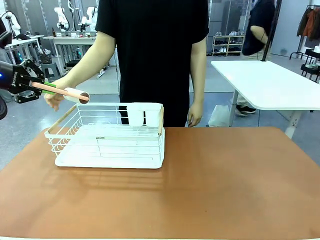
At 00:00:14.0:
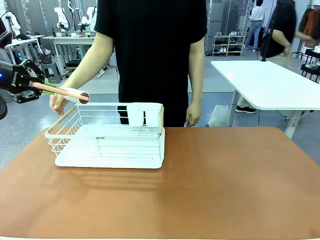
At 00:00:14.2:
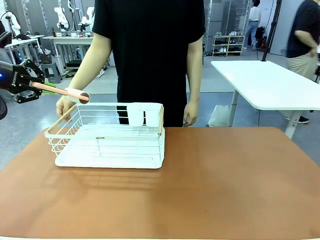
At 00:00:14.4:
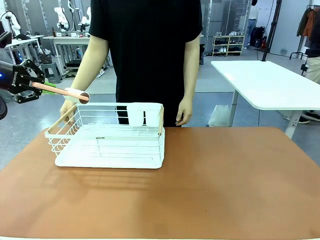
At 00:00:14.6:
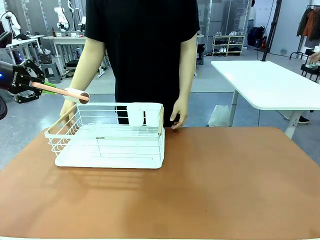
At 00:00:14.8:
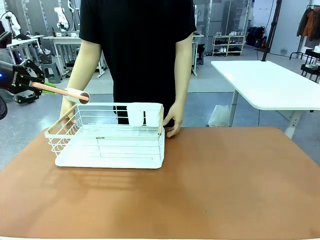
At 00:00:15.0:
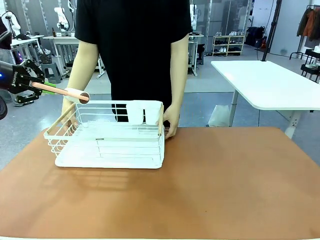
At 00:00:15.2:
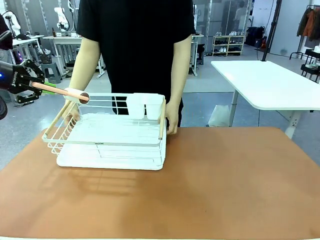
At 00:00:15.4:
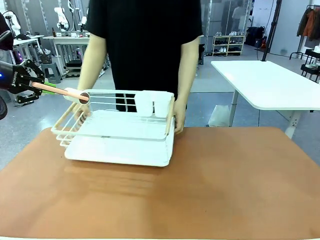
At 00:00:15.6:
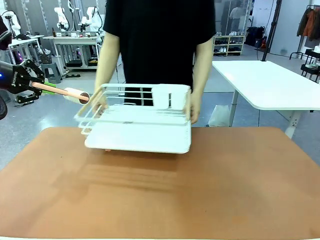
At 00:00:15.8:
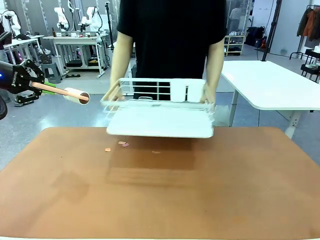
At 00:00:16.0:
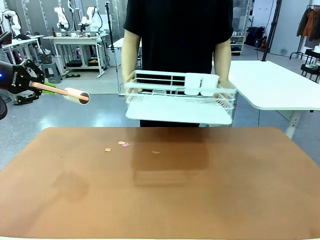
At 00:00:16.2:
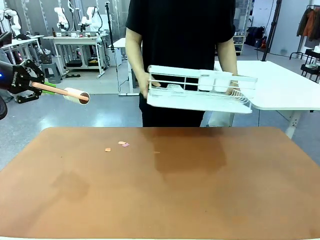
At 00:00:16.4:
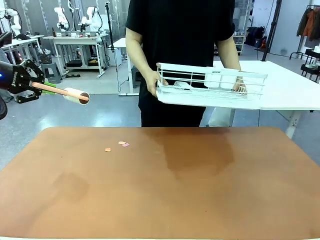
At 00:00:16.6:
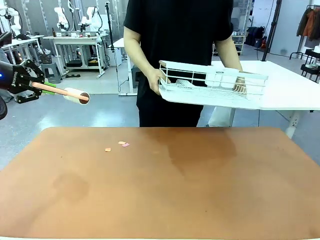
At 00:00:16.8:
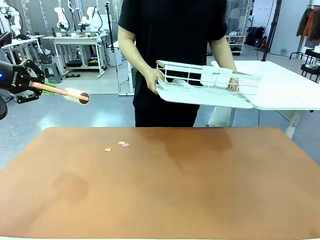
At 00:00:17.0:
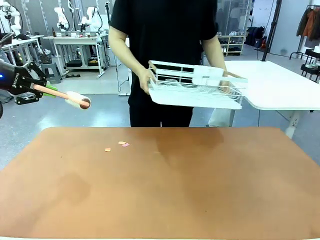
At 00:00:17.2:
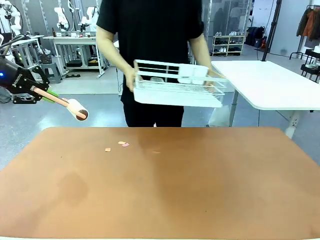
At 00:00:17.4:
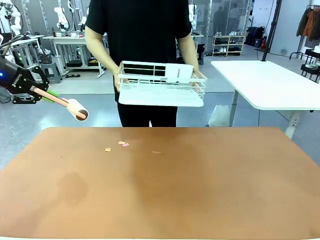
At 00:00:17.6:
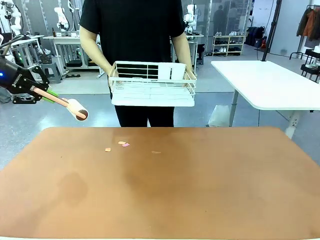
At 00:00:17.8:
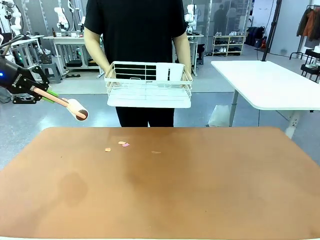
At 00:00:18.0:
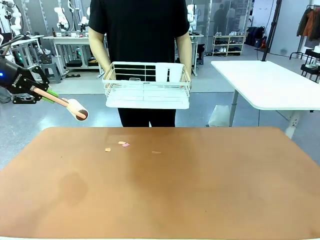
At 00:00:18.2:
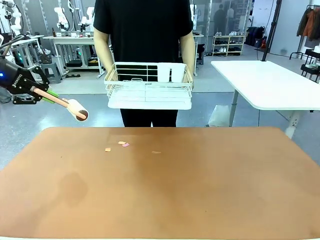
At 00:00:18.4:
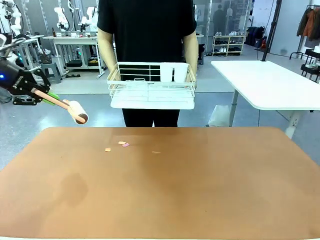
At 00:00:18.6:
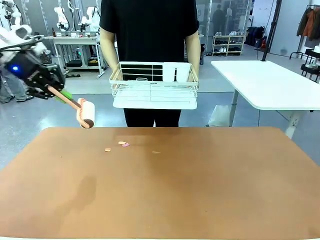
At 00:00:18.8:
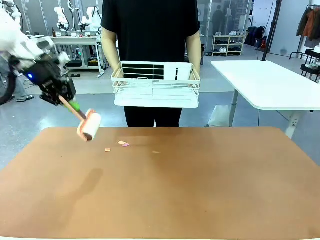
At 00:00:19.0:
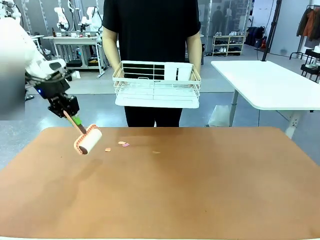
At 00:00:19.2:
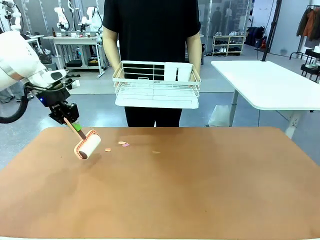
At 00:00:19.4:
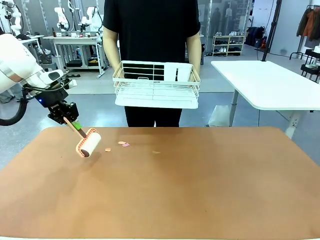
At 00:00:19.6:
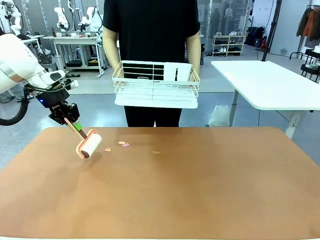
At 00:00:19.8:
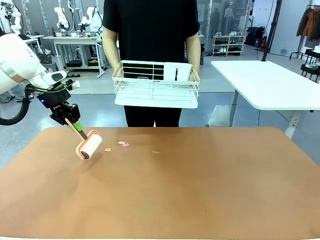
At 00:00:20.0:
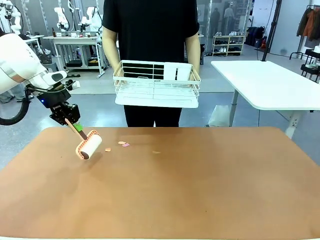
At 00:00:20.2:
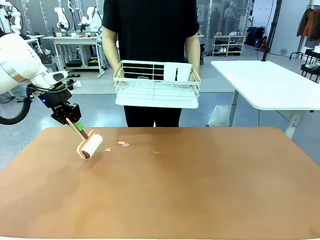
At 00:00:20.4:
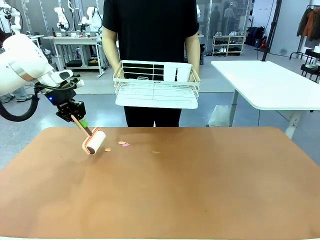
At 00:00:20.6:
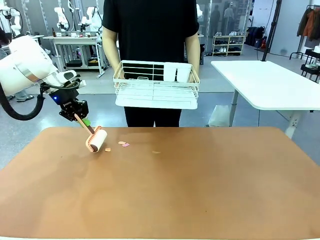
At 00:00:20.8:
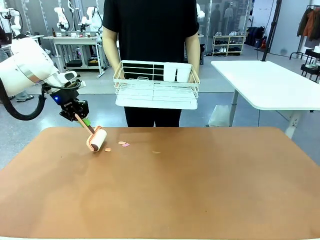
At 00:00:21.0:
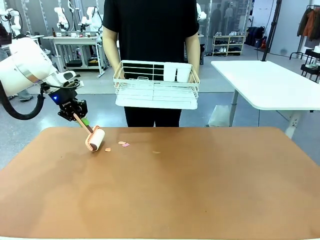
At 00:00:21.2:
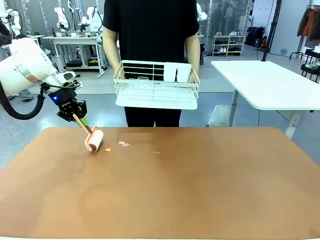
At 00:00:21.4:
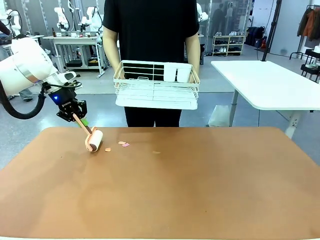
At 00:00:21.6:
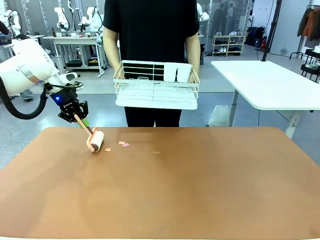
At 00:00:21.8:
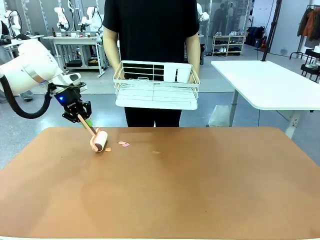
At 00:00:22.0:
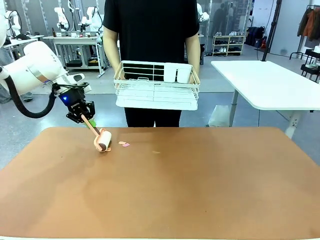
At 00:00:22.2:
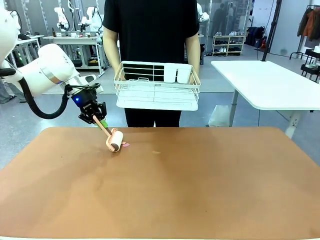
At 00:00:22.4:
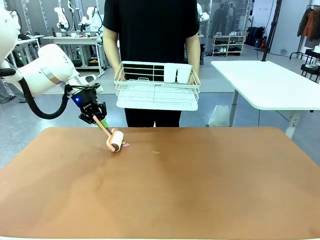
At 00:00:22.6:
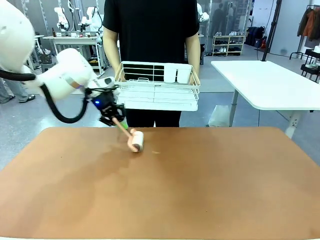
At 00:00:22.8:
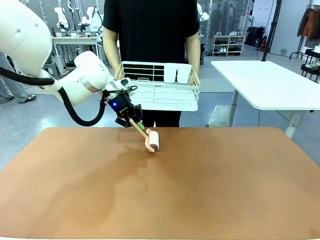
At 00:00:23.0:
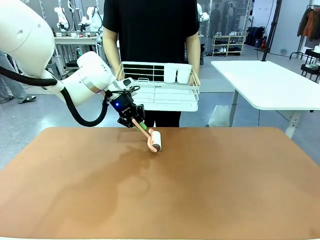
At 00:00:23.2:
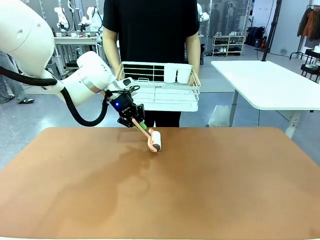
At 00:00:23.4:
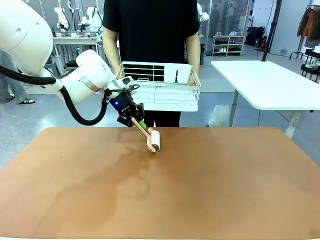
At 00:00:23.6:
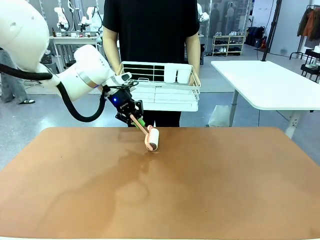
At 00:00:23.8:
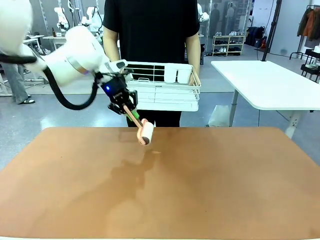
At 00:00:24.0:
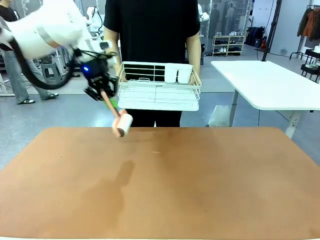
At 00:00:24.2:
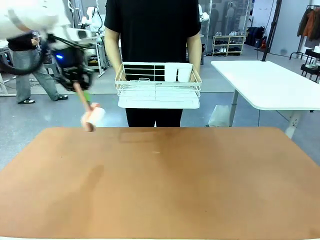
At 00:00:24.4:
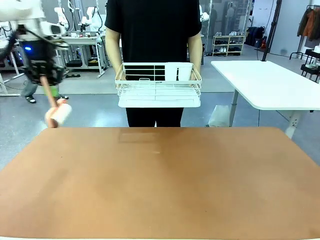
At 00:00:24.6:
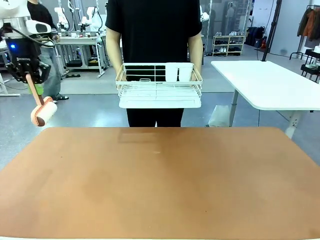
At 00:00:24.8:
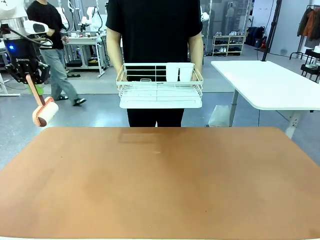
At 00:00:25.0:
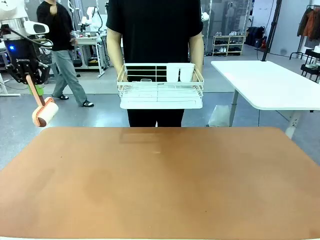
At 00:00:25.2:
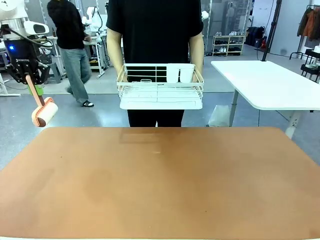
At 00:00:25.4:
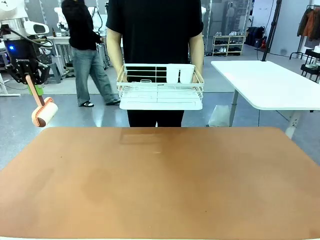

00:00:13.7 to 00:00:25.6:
Task: Clean the table.
Robot: Clean the table with the Lint Roller when the human lifts the Dish drying rack.
Person: Place the Dish drying rack down when the robot finishes cleaning.

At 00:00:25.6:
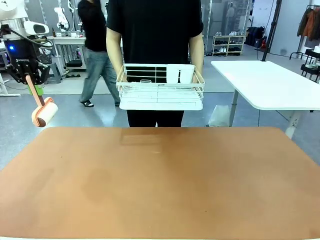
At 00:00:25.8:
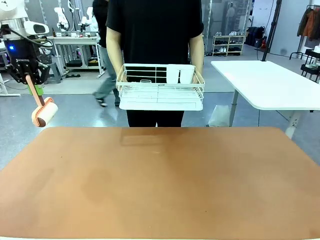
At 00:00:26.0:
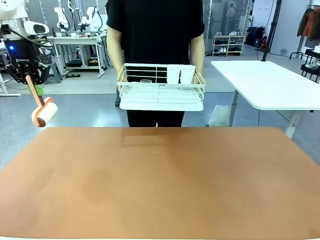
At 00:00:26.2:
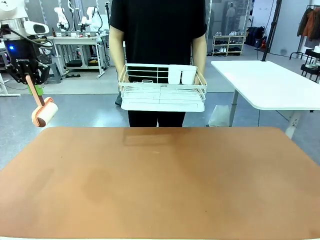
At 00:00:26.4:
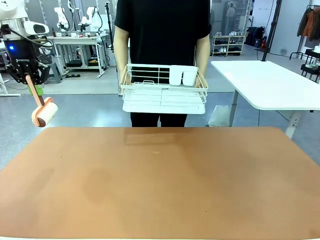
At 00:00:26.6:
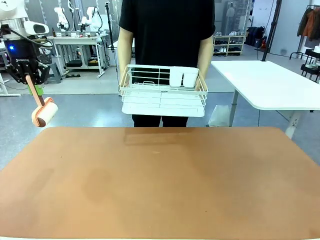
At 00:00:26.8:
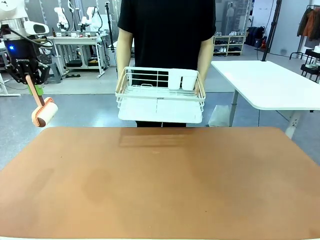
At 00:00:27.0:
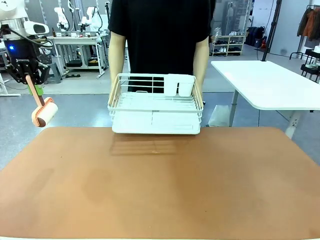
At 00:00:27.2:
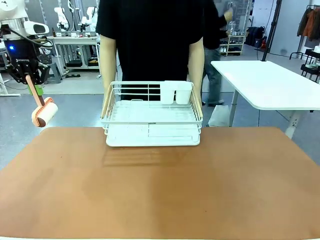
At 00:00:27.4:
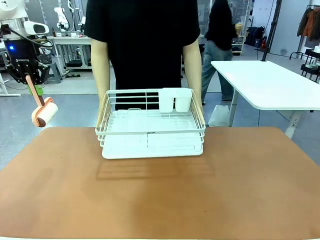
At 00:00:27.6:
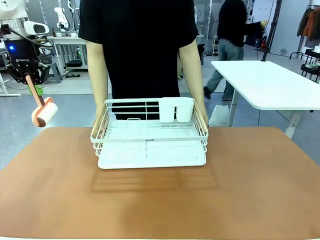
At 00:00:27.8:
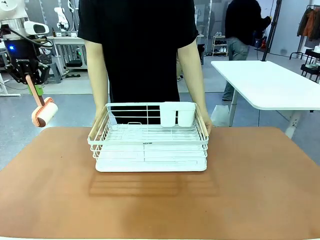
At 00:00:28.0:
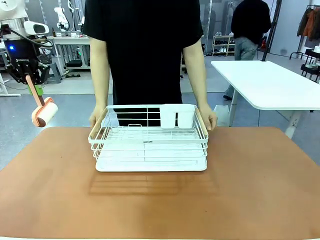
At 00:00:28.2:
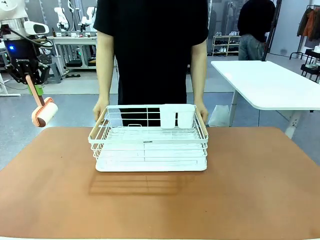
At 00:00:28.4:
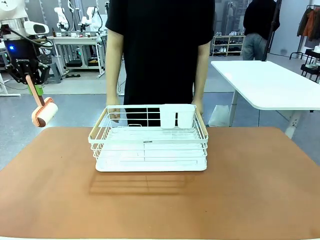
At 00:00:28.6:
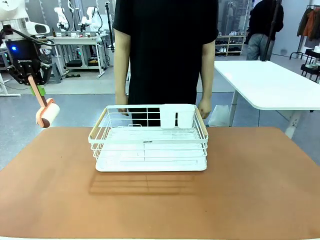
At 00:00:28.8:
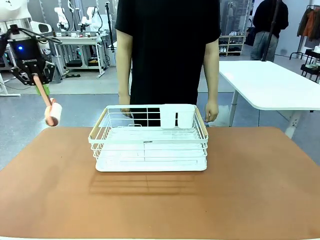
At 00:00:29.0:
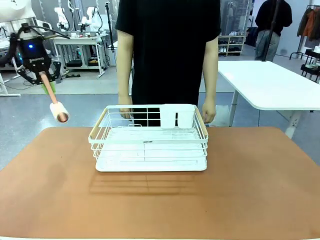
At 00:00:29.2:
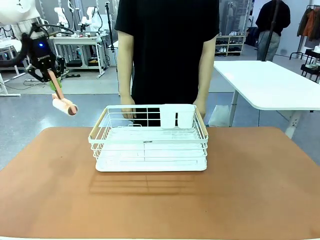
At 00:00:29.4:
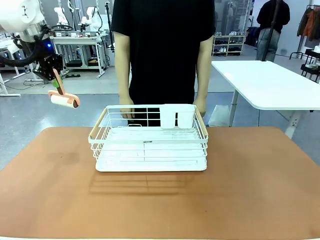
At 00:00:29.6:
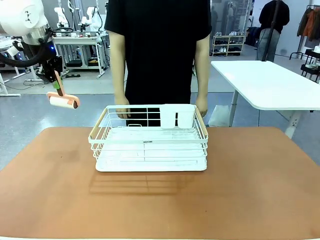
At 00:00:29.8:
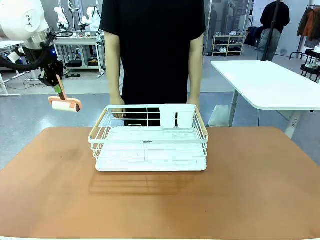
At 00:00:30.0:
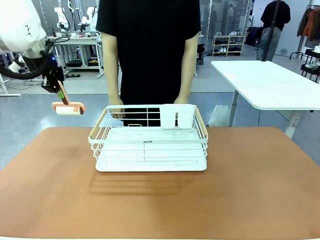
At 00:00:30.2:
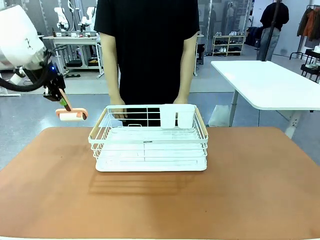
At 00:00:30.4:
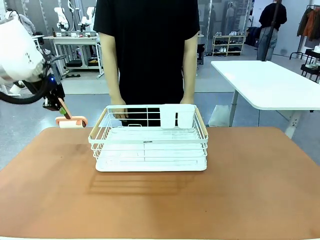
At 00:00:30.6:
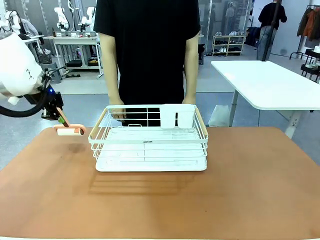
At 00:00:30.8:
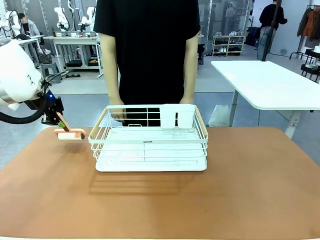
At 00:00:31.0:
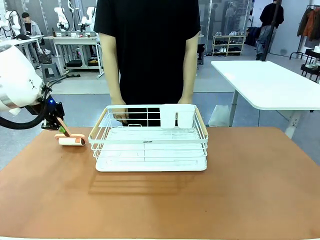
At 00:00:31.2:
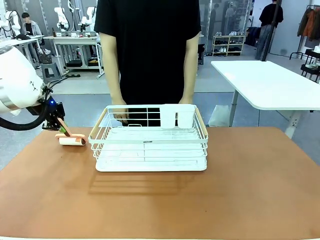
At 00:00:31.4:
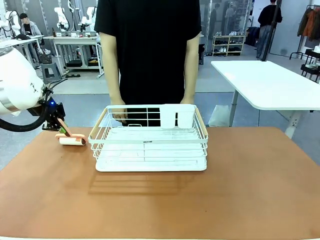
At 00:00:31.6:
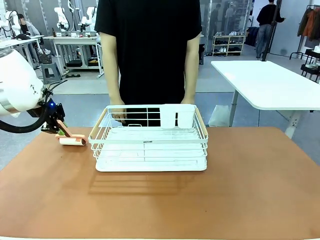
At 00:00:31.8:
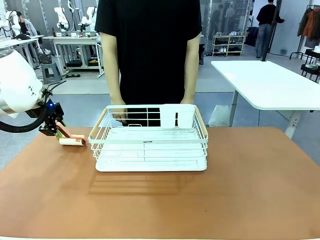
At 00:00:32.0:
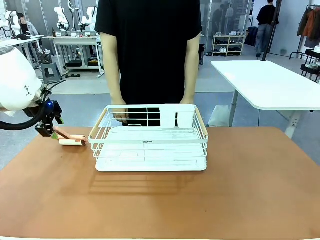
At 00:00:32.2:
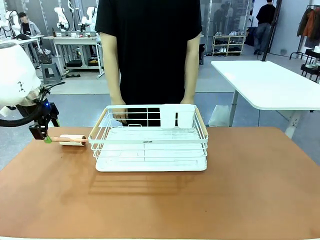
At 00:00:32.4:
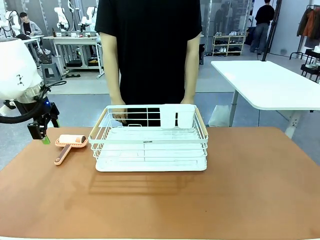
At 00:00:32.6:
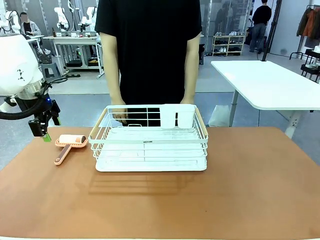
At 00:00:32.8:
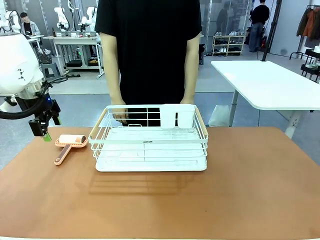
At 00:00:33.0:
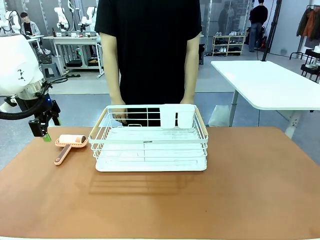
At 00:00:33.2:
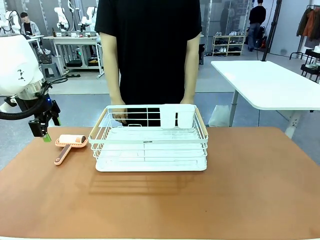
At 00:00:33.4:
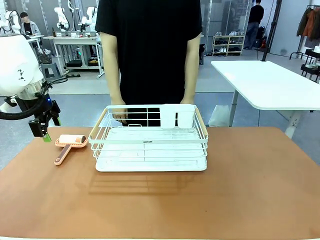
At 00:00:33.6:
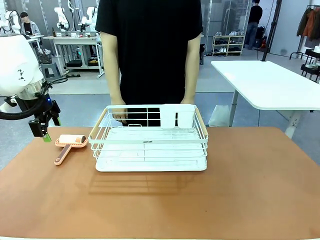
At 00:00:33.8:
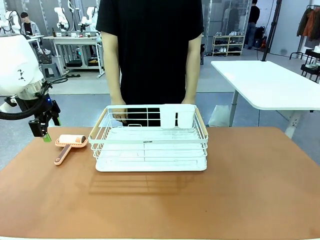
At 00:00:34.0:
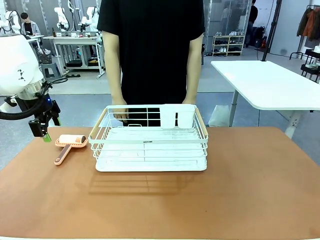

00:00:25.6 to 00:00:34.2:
Robot: Place the Lint Roller down when the Dish drying rack is positioned in the middle of the table.

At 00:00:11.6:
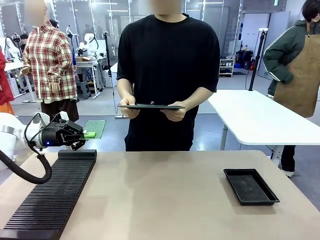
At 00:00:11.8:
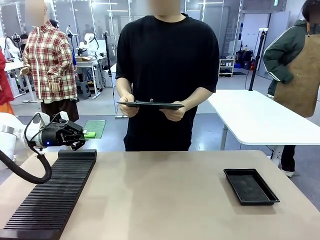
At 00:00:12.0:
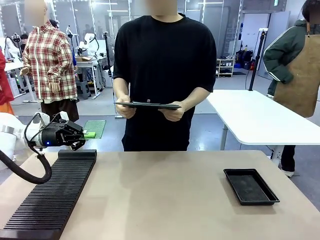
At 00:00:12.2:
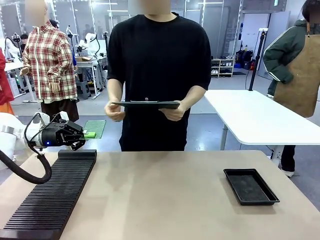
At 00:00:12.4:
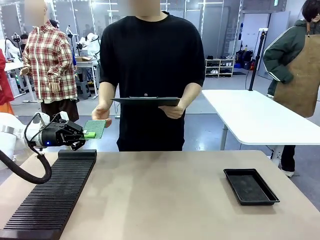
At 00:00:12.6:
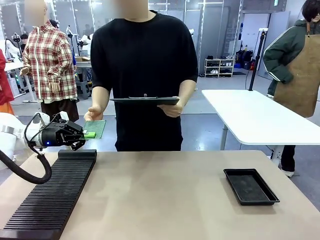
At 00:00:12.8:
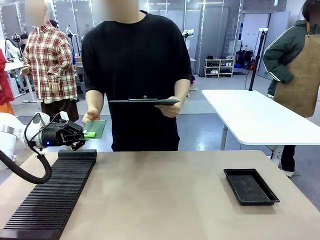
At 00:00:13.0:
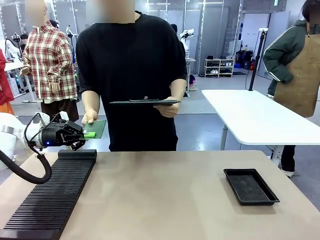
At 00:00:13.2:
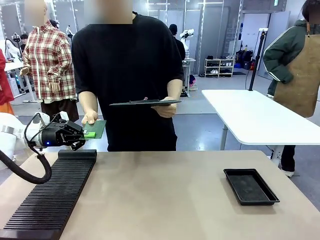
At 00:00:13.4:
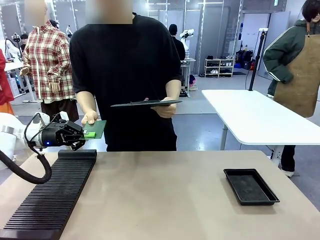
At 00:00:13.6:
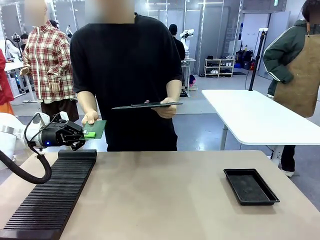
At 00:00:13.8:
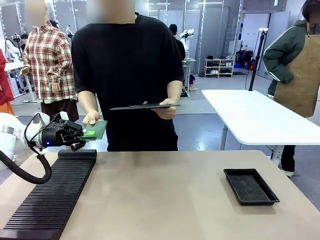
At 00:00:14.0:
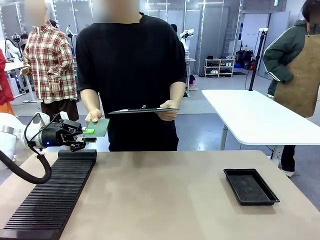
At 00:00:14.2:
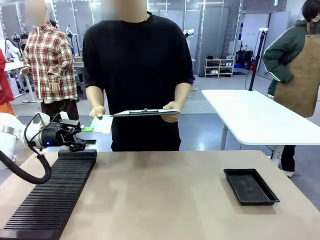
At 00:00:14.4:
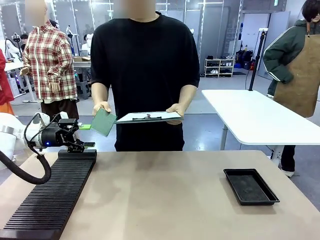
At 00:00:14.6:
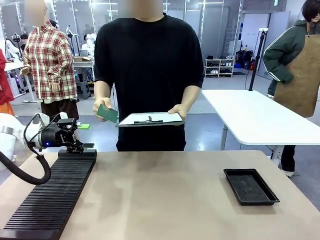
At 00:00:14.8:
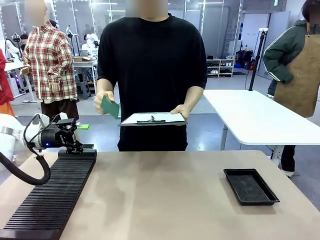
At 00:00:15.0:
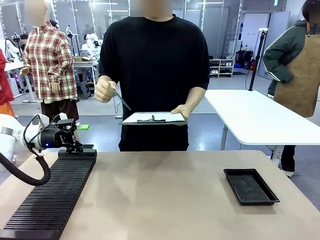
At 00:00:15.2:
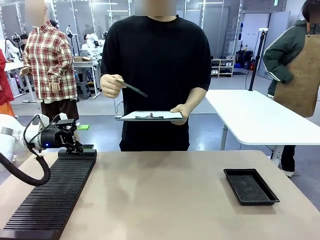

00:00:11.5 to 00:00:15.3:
Task: Inspect the PCB.
Robot: Release the Blank PCB you were holding.
